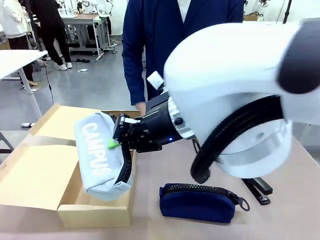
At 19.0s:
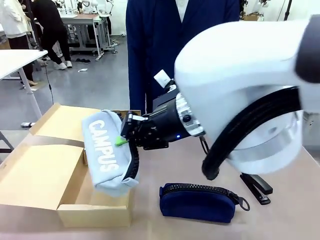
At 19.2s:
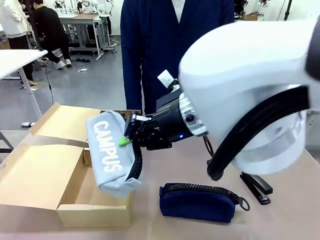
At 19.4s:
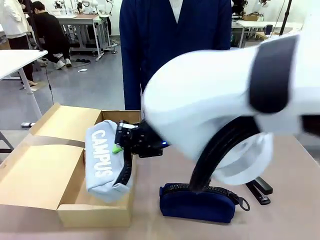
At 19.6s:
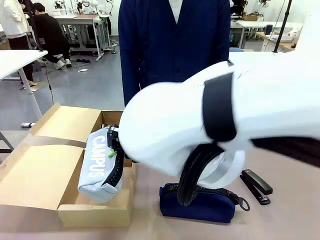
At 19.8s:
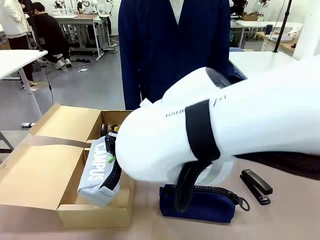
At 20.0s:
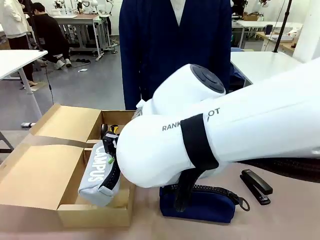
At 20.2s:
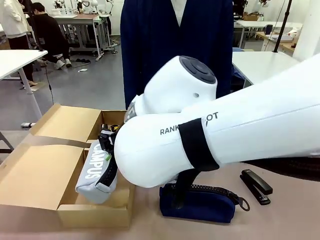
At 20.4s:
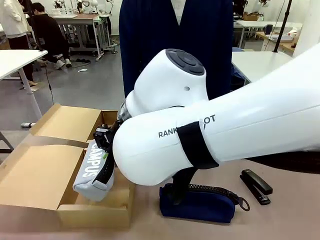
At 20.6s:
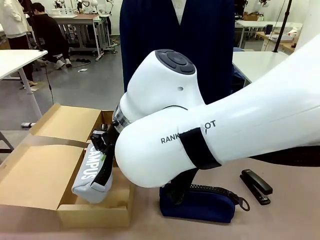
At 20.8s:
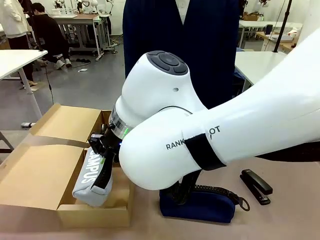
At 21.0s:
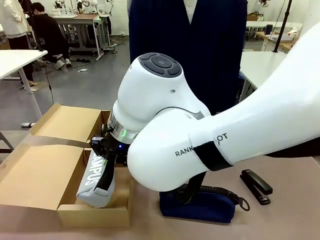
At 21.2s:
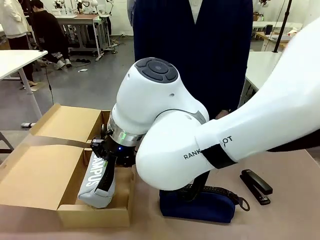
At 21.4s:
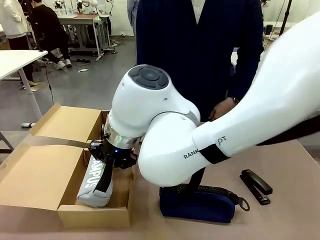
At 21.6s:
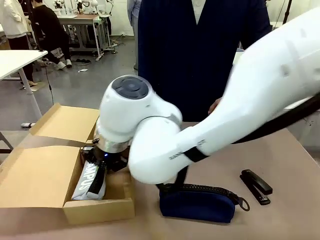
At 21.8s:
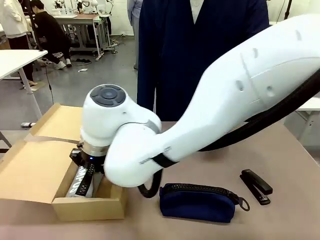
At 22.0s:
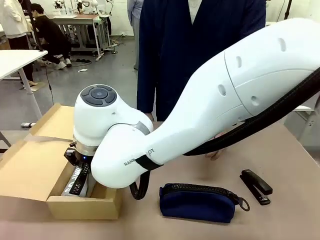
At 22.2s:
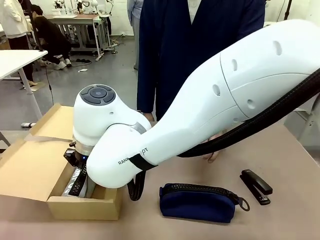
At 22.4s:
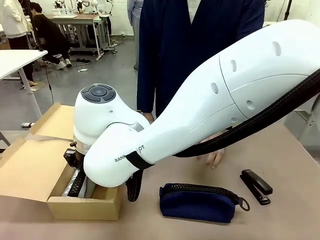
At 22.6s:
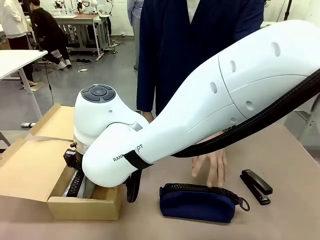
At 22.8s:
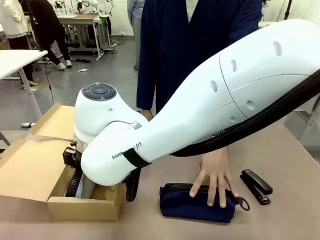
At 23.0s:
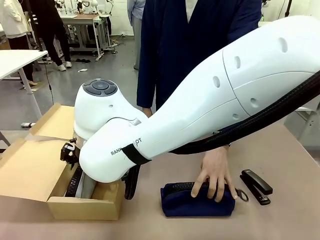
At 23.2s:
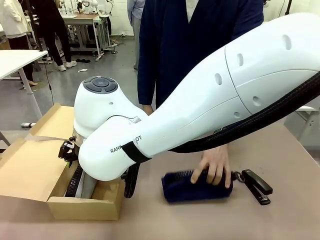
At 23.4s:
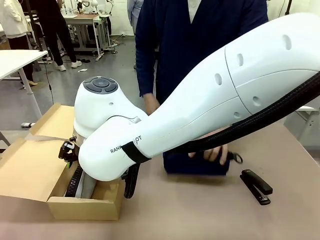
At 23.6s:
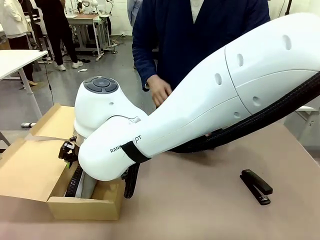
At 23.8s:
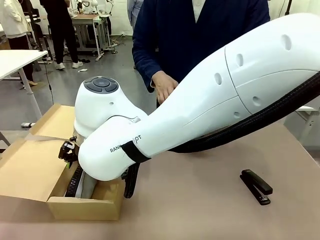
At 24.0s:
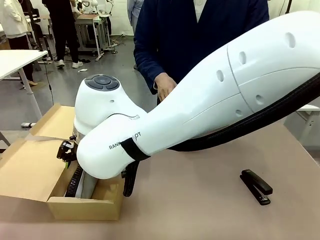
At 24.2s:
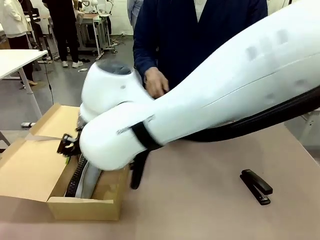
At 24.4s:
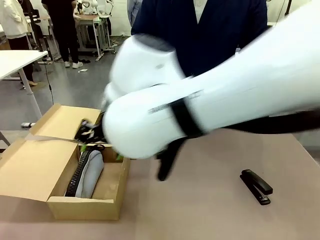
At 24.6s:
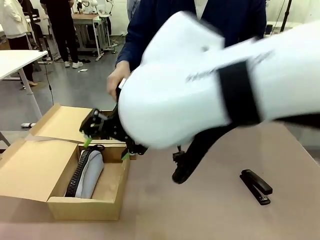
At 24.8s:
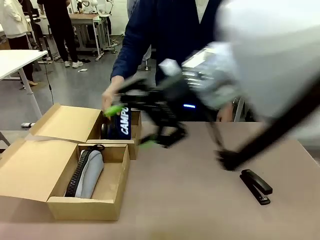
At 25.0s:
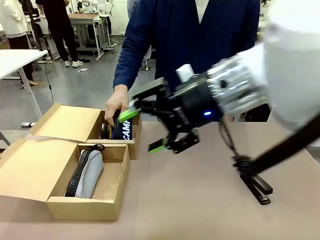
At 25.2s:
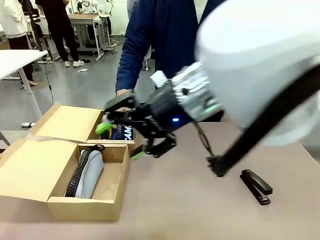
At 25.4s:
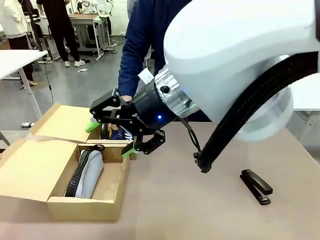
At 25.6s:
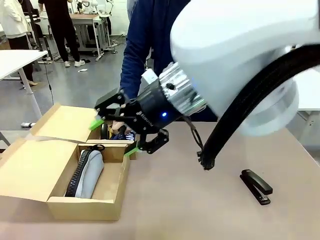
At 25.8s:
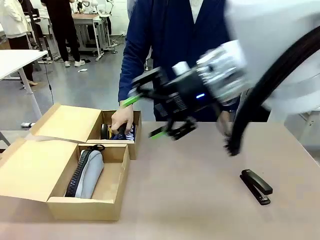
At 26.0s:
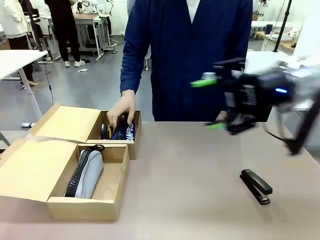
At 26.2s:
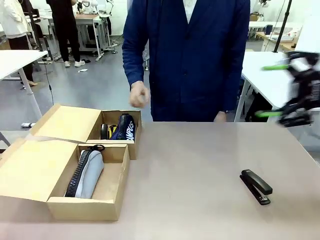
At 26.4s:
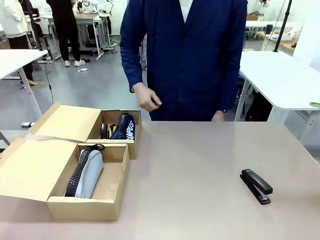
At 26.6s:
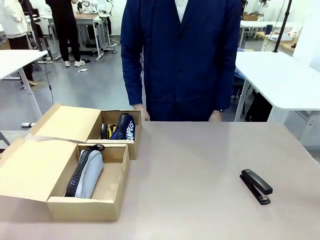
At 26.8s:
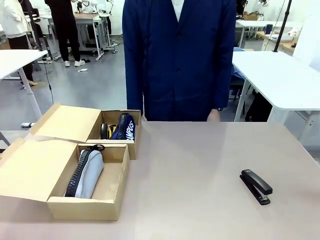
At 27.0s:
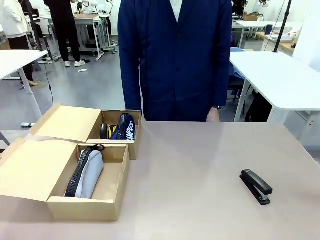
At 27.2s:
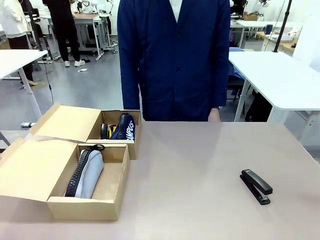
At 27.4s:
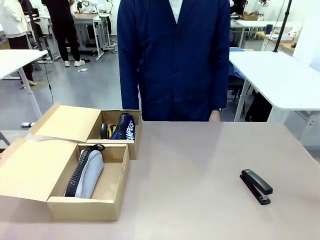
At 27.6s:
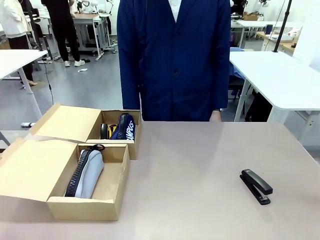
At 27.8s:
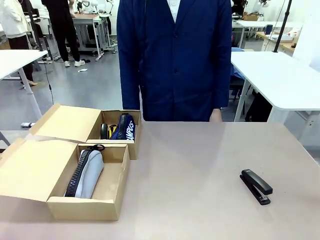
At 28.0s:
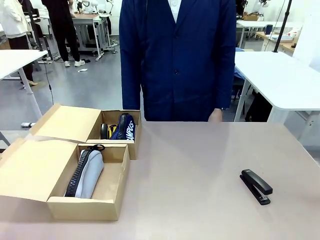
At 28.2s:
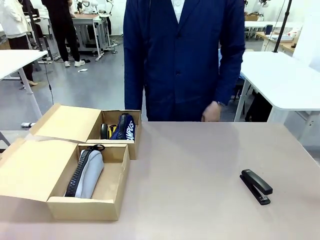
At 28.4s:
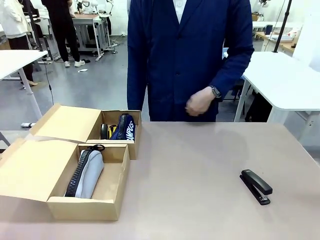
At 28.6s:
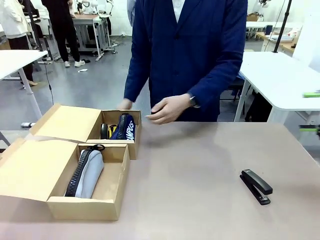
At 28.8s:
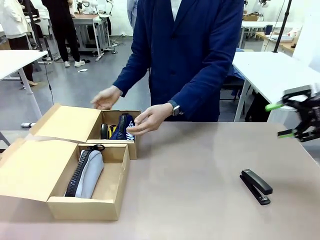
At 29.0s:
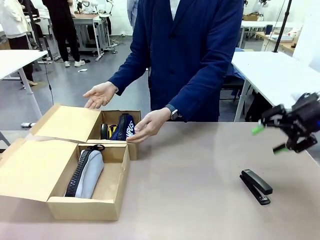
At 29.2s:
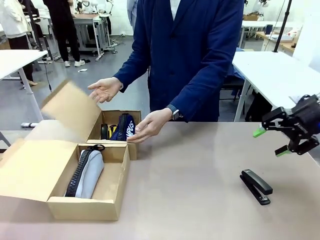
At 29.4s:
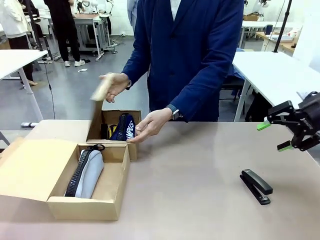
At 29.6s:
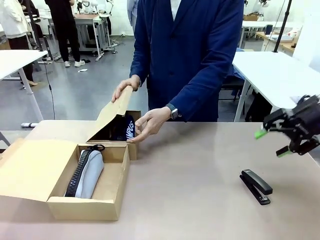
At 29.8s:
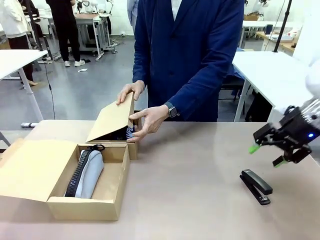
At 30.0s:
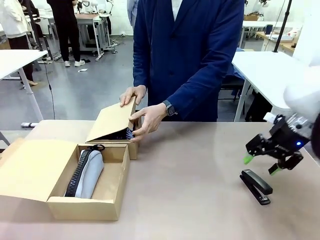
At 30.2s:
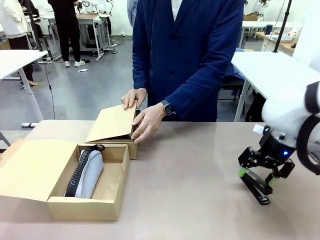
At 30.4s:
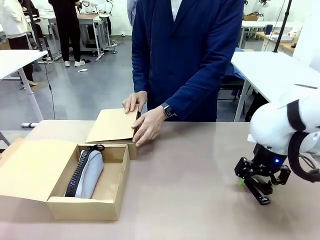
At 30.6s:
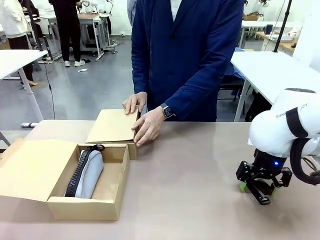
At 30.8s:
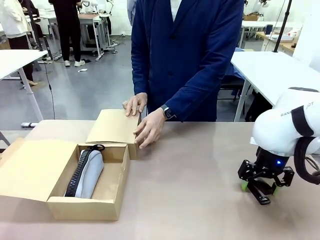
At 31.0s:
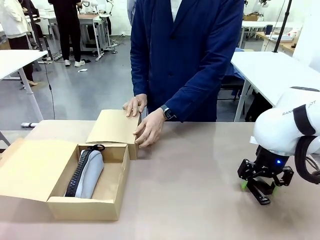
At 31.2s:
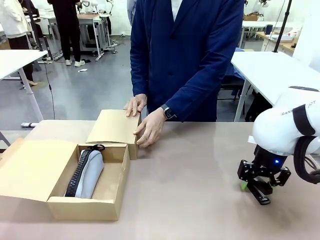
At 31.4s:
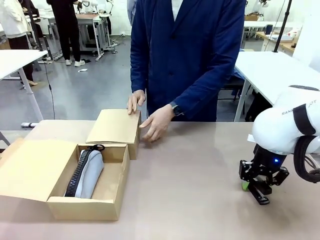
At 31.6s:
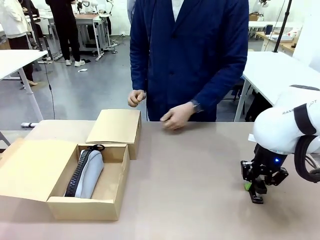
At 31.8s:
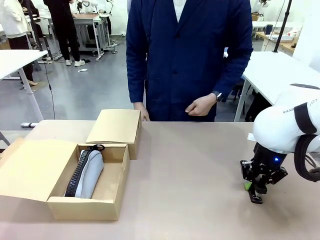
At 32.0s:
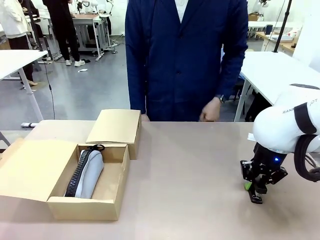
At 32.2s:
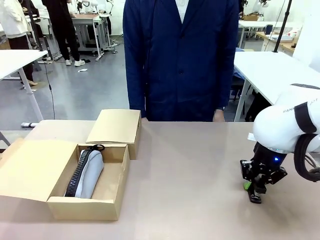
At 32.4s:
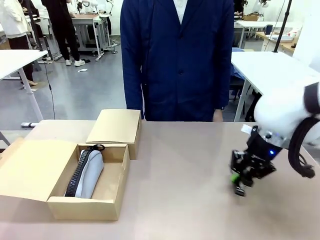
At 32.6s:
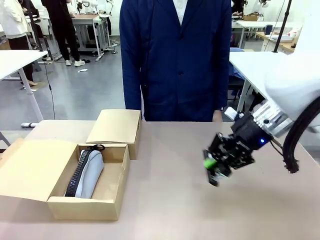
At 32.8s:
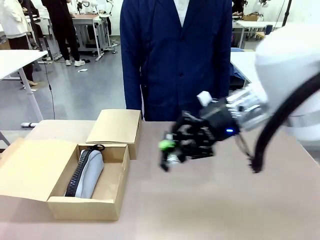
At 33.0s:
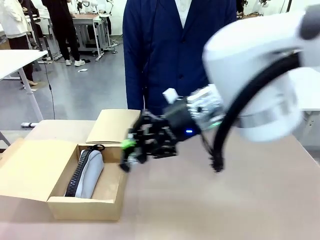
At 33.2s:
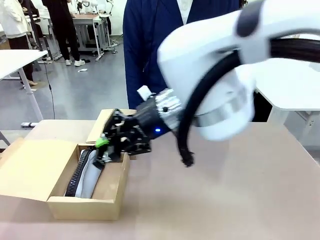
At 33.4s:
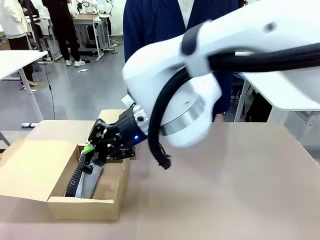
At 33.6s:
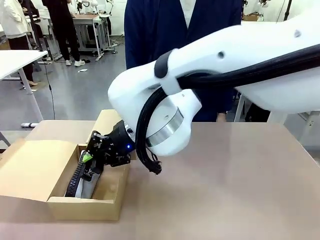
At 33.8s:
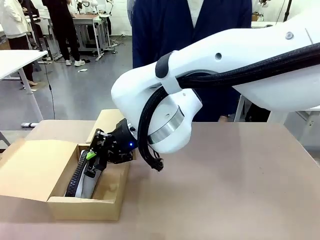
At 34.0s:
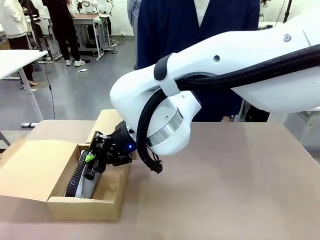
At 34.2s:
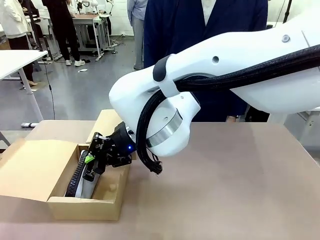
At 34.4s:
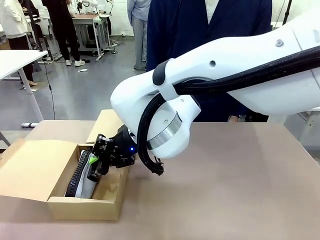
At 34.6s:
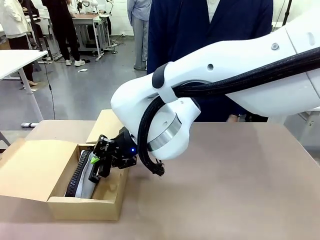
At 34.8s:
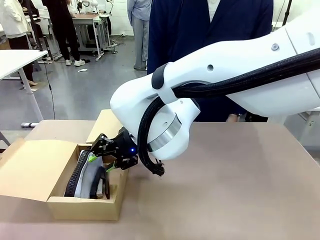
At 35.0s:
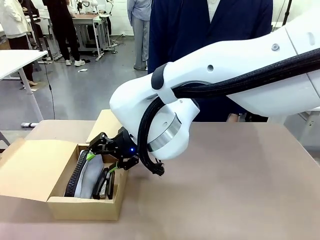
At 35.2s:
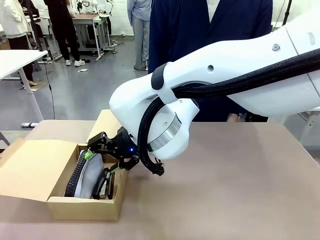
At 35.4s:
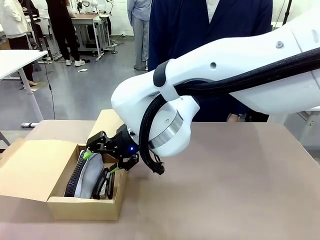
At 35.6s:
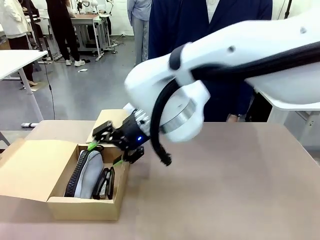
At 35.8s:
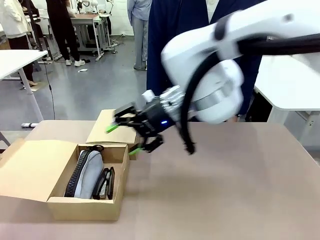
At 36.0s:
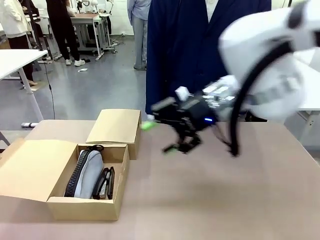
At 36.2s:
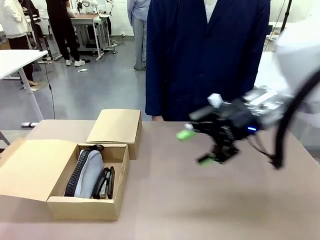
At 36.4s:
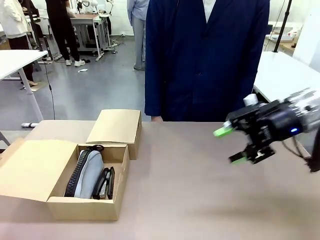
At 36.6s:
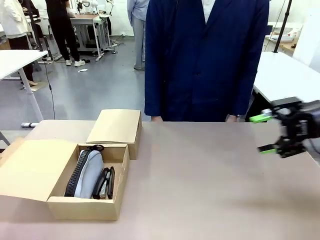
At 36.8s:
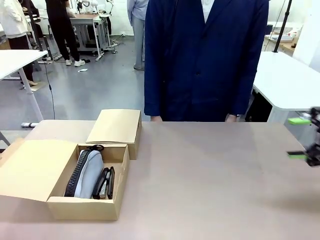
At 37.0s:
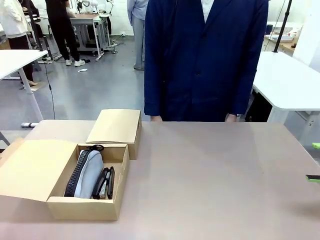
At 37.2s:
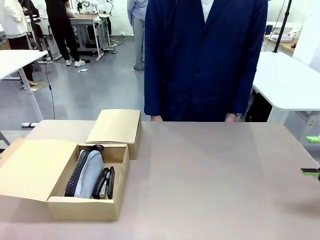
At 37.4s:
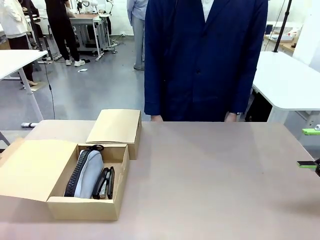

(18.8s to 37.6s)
Task: Place items inside the box.
Robot: Pick up a Pencil pouch or Stapler and place it inside the Mailer Box closest to the robot.
